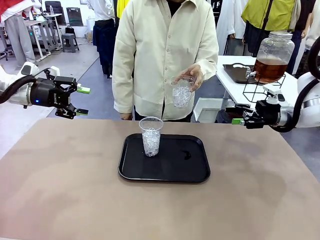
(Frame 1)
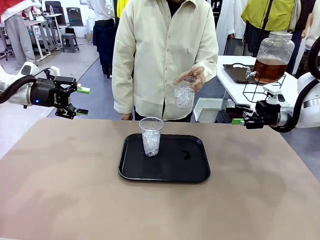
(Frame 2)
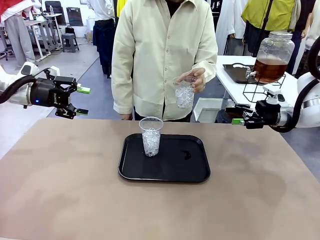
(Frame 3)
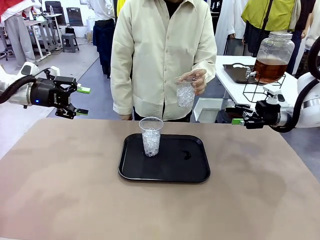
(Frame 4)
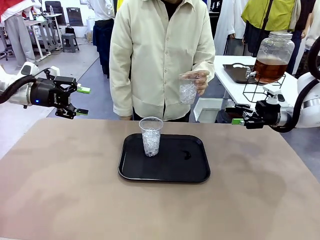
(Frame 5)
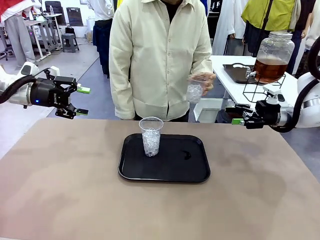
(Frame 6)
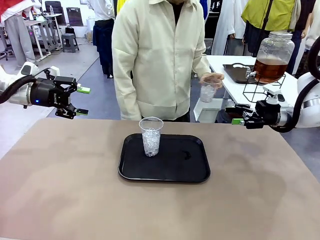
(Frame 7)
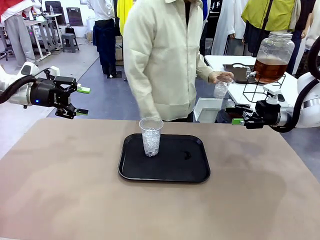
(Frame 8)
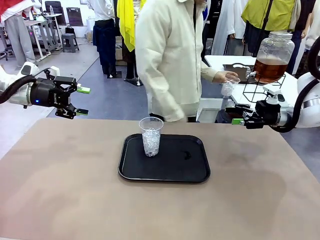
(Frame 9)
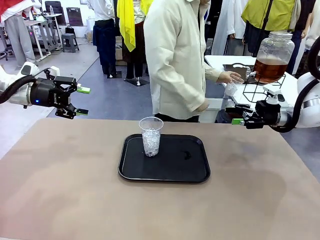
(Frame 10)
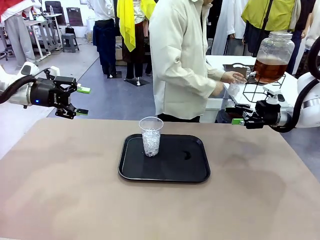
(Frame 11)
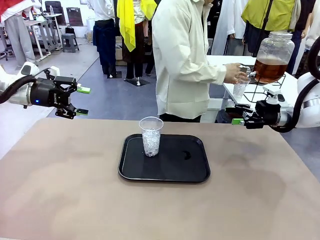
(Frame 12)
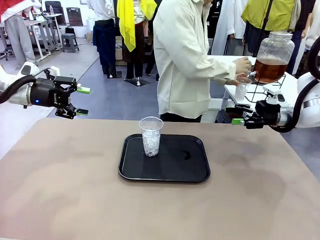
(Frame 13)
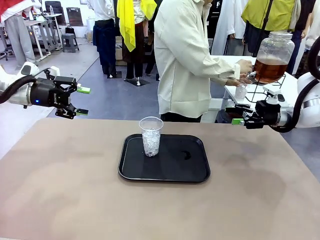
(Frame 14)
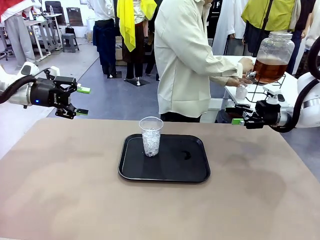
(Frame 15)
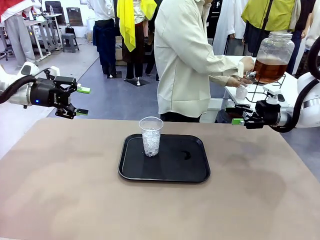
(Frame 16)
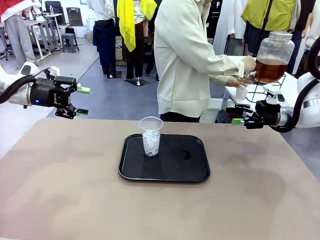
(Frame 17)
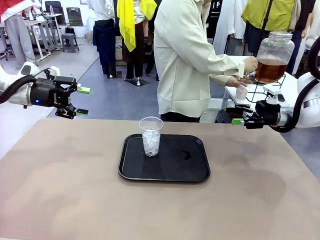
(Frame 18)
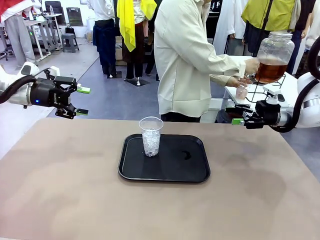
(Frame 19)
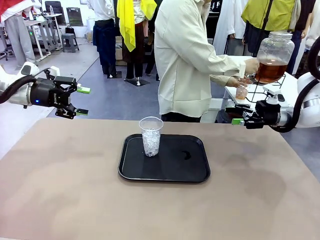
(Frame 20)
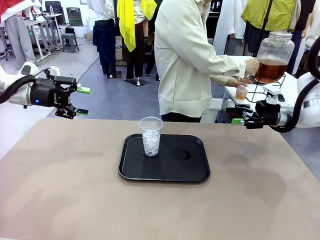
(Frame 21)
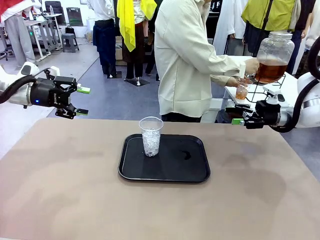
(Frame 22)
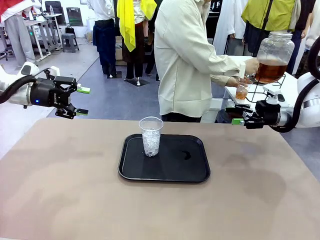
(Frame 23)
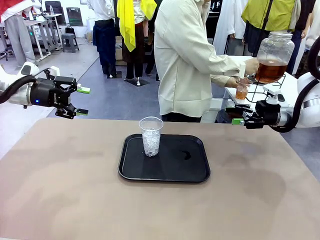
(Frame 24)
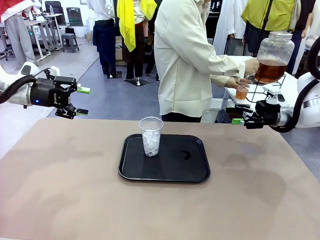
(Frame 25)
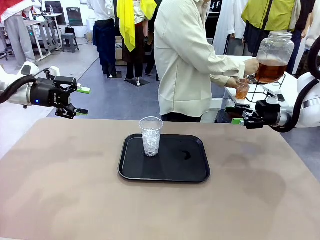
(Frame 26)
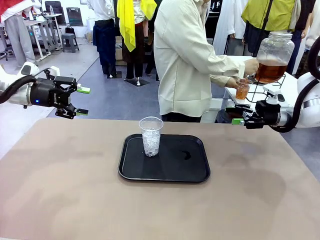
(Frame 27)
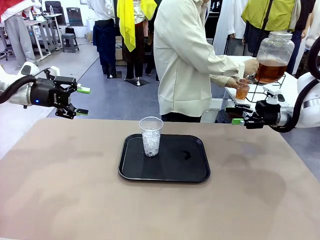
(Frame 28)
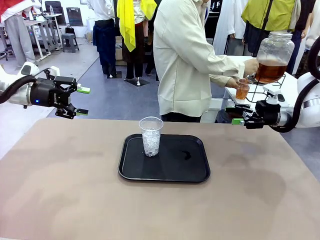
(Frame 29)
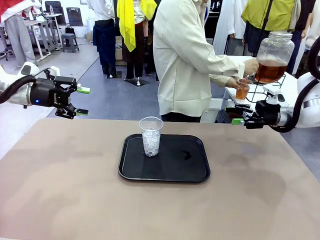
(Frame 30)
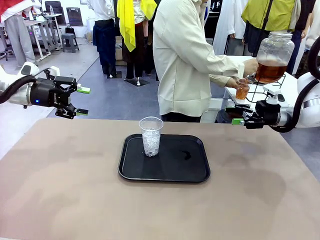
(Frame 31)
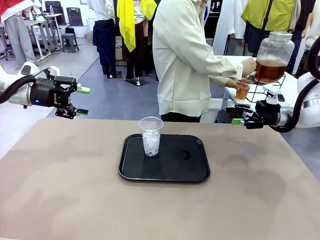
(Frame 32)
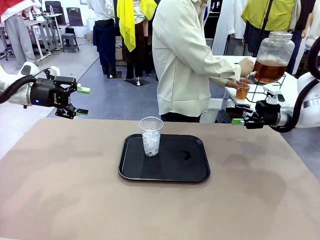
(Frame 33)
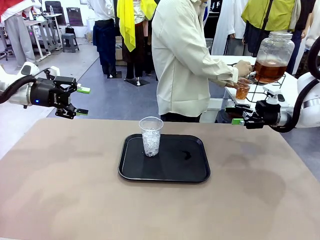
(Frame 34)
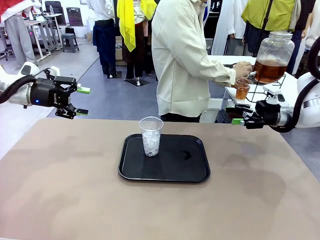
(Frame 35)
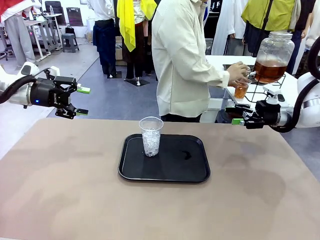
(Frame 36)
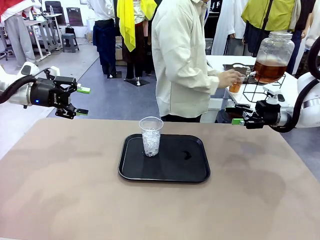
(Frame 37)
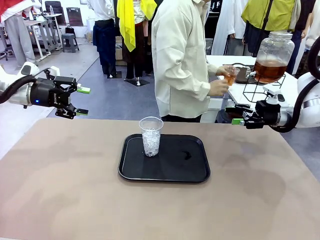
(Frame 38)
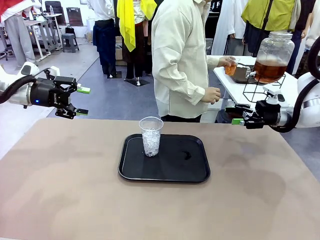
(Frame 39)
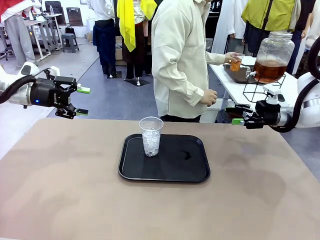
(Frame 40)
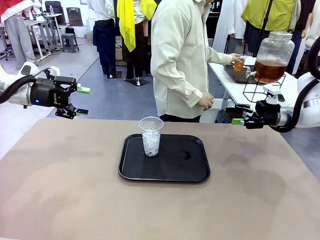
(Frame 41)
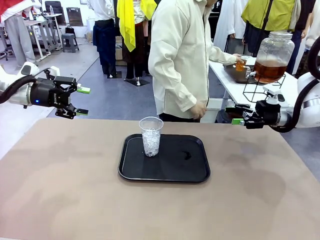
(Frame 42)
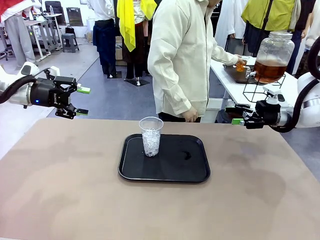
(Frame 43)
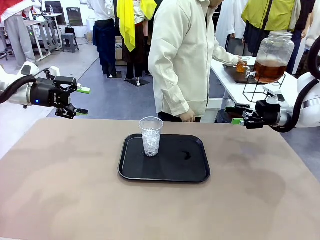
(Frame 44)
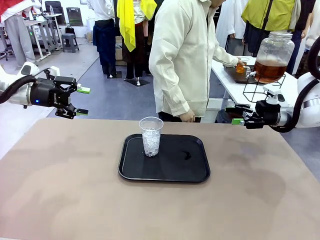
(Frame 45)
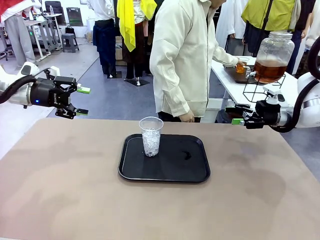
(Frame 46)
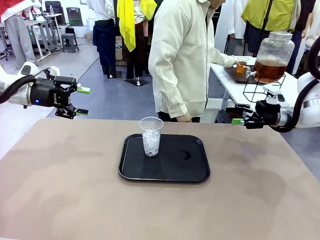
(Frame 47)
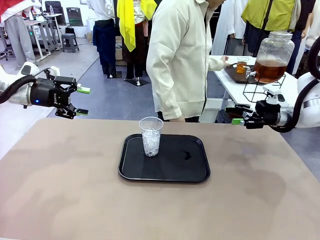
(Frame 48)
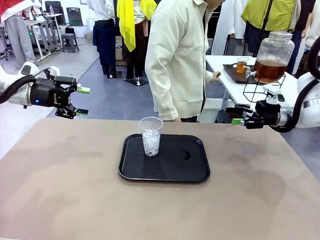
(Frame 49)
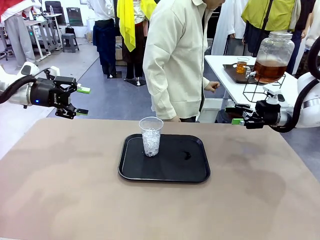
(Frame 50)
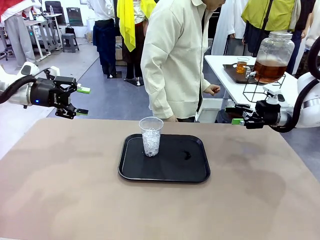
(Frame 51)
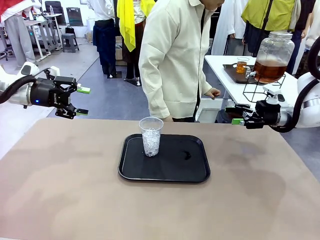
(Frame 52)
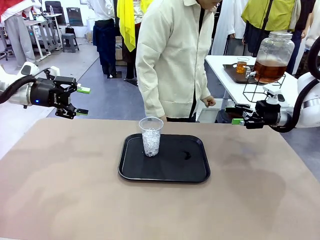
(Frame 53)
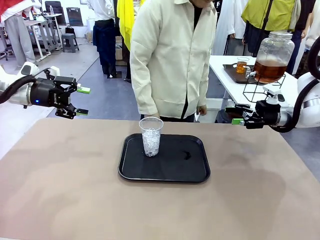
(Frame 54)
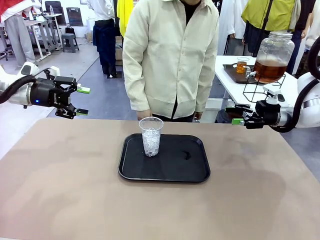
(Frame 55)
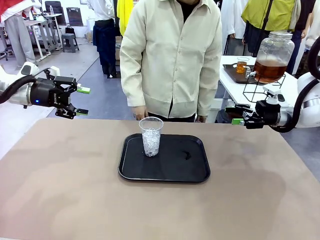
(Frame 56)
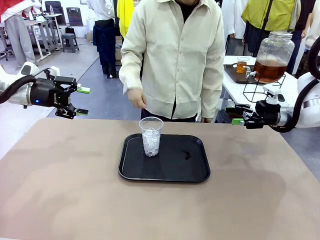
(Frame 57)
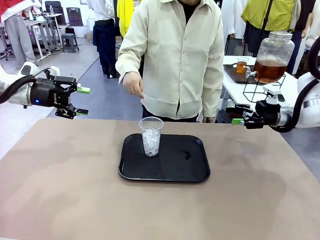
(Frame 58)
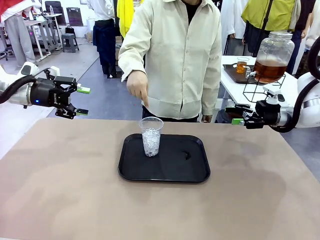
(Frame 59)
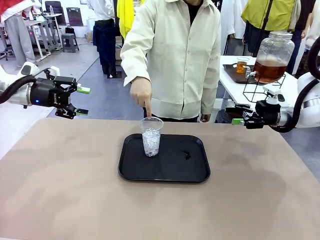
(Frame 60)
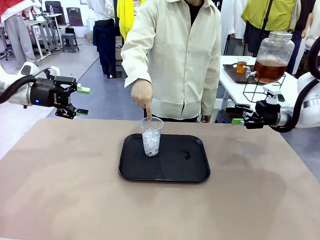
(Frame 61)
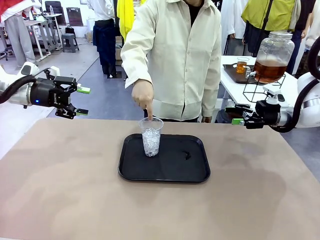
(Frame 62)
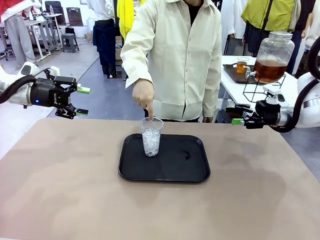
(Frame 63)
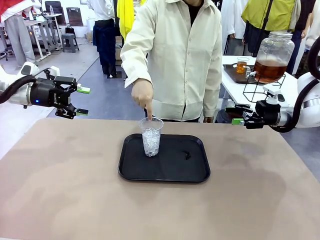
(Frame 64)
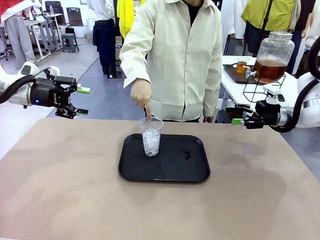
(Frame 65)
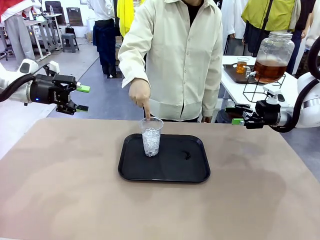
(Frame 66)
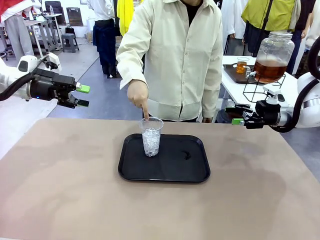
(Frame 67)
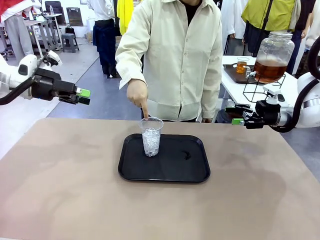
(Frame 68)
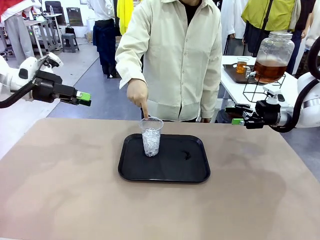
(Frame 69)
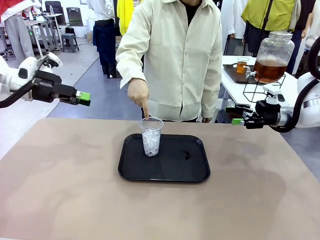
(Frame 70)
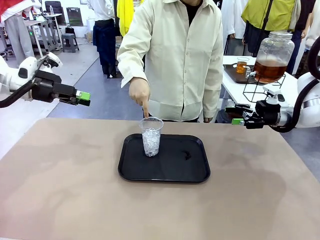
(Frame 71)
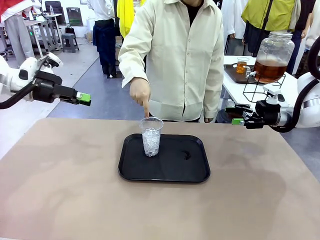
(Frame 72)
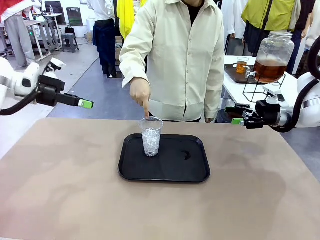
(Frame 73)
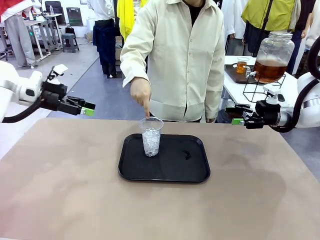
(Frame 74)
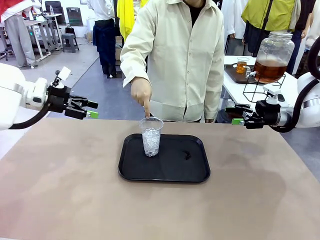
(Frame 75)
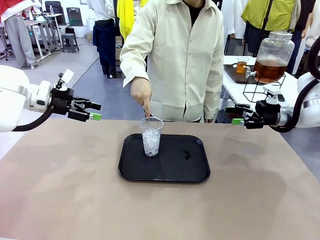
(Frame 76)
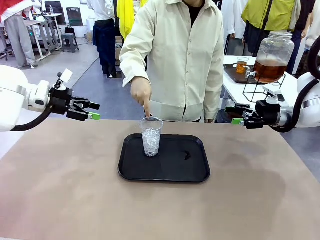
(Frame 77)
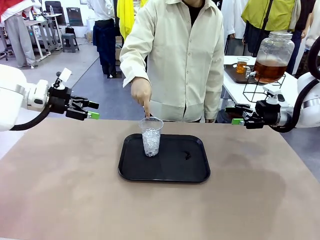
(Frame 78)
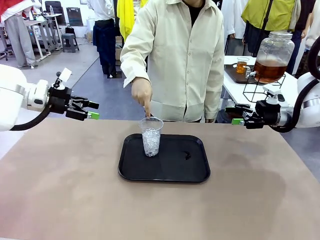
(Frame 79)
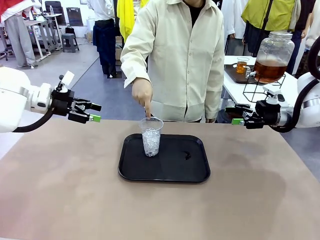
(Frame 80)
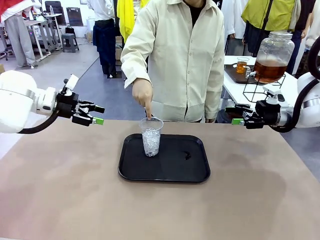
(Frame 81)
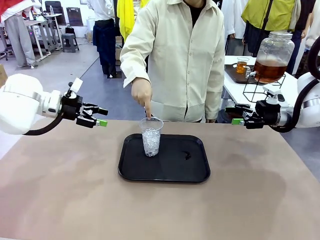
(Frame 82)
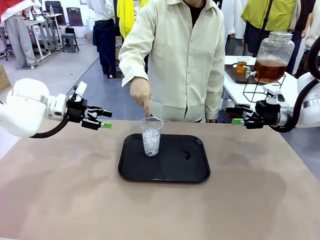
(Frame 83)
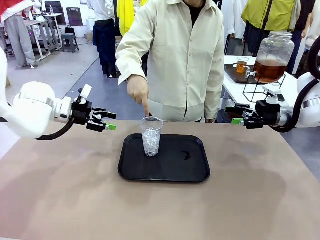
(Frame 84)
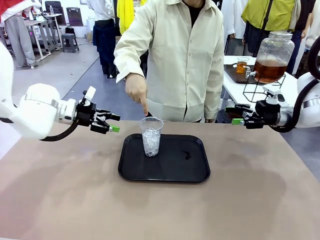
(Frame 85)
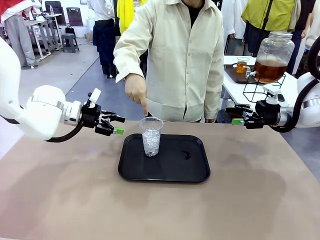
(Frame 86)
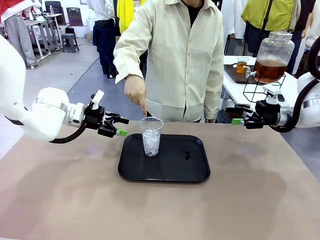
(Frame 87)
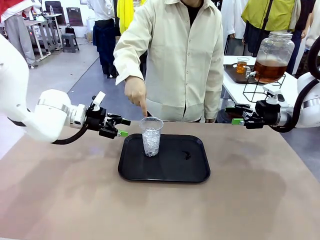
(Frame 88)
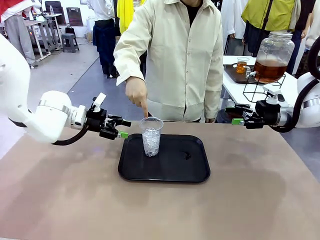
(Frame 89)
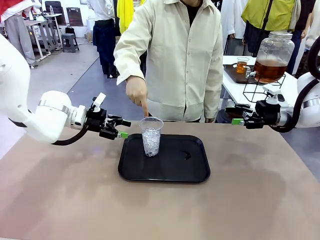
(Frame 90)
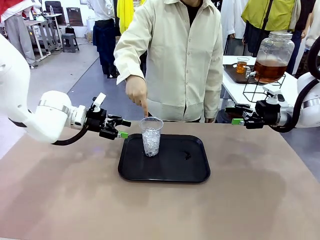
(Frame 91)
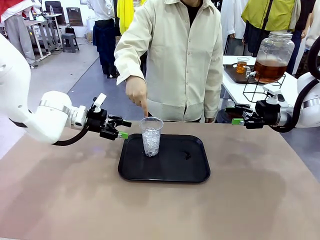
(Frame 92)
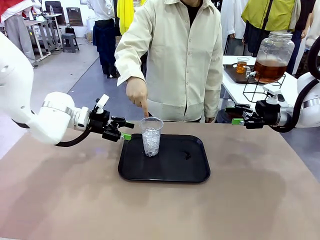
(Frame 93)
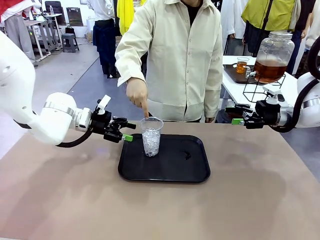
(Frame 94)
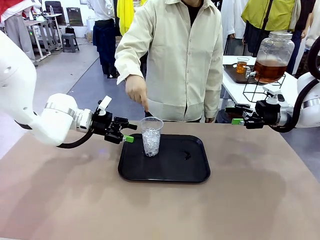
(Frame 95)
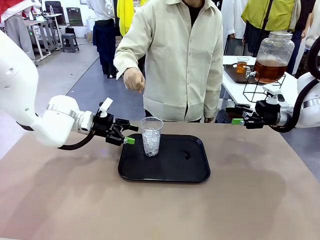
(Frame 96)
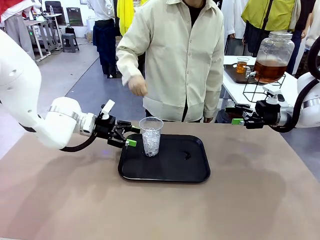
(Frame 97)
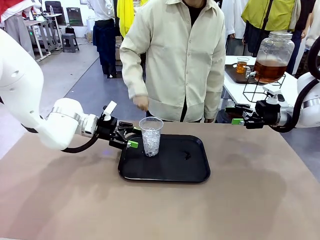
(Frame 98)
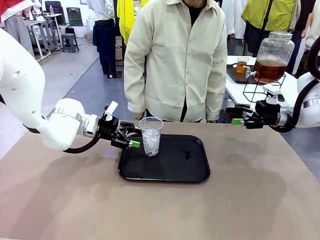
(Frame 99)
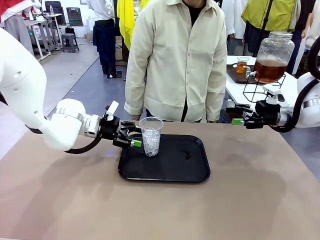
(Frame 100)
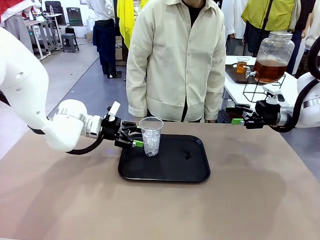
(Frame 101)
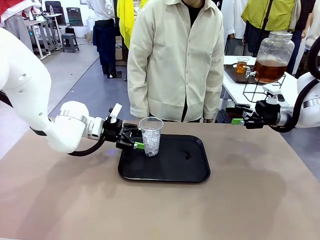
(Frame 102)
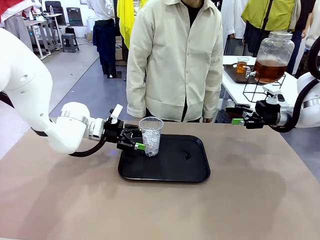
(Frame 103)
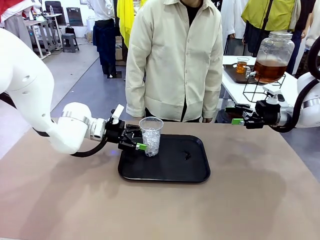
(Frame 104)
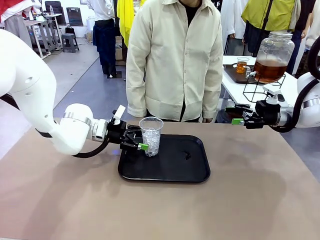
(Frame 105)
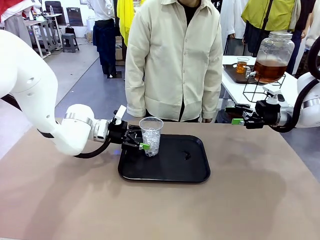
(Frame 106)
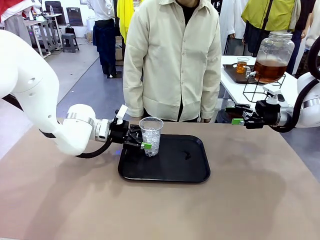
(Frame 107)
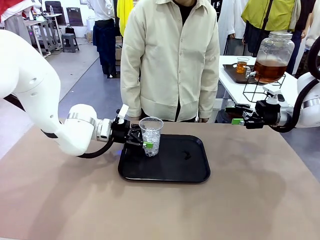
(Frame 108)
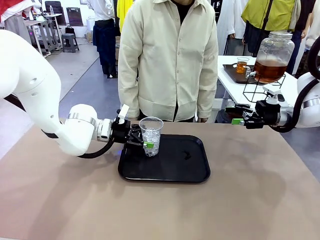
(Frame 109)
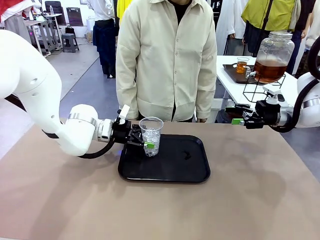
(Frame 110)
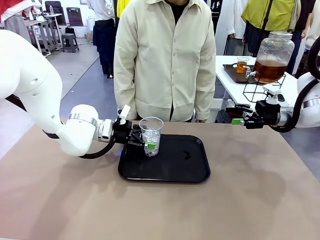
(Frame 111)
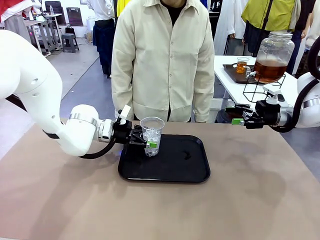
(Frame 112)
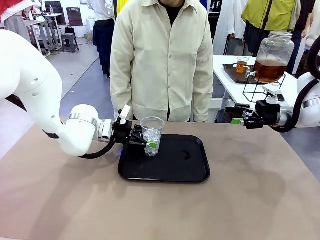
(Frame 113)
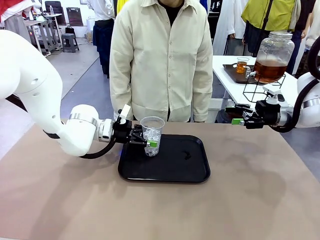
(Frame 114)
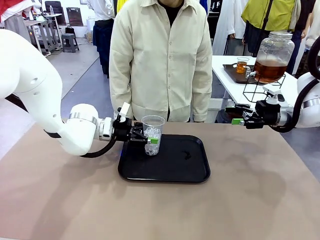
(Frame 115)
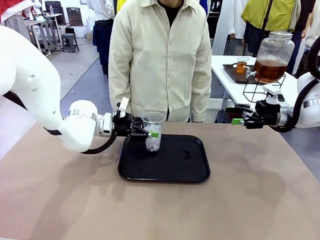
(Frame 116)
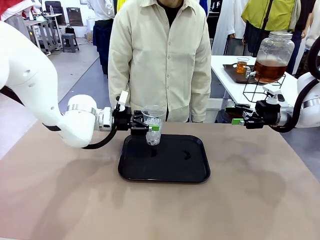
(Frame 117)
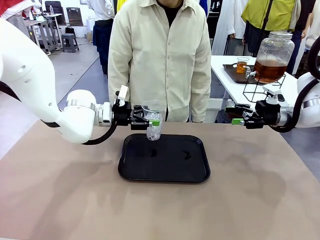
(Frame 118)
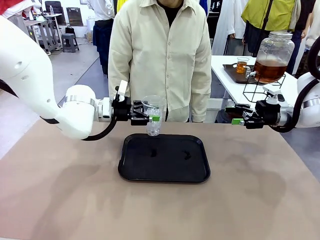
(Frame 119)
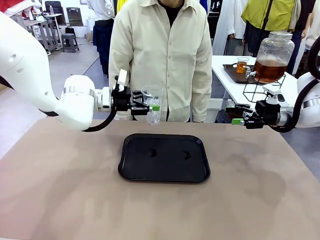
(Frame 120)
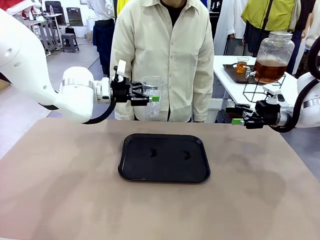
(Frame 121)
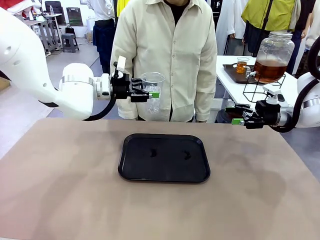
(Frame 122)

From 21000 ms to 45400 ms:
Task: Pour the drink into the iced cup.
Robot: Pick up the iced cup indicated by the human and present it to them.
Person: Move the picked-up cup under the dispenser faucet, pour the drink, and place it on the tray on the human table. Point to the remaining ice cup on the robot table. Pick up the cup offered by the robot.
